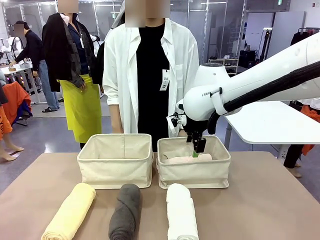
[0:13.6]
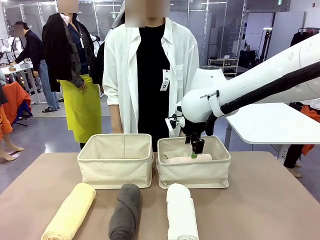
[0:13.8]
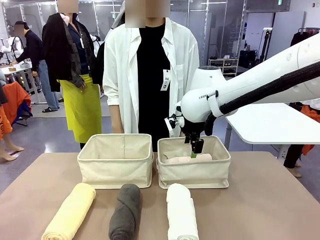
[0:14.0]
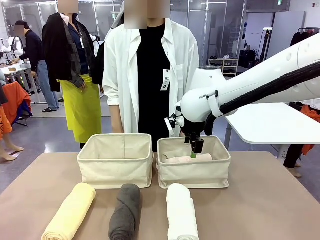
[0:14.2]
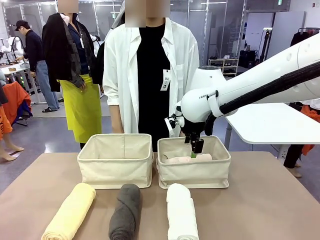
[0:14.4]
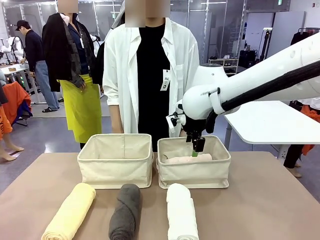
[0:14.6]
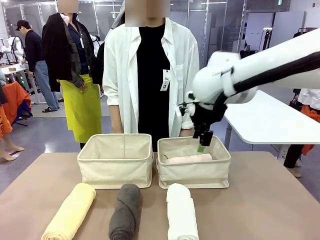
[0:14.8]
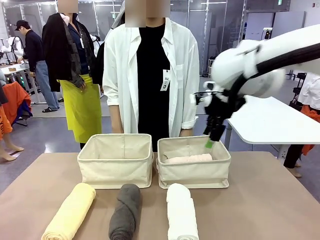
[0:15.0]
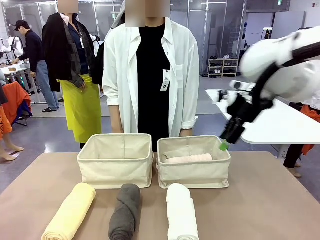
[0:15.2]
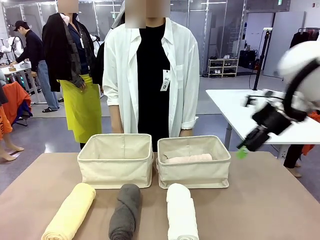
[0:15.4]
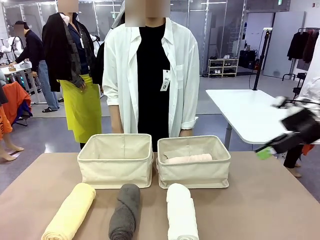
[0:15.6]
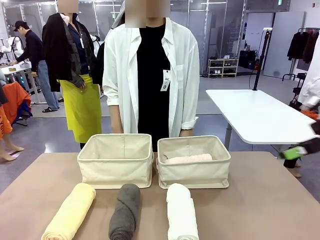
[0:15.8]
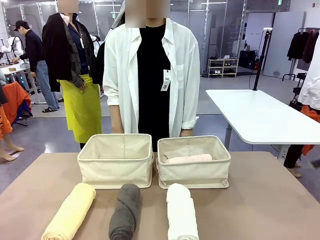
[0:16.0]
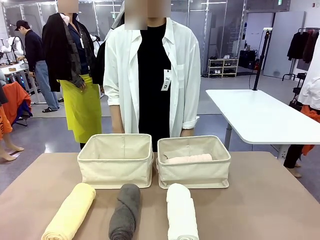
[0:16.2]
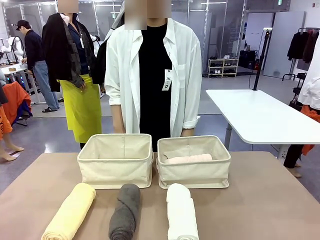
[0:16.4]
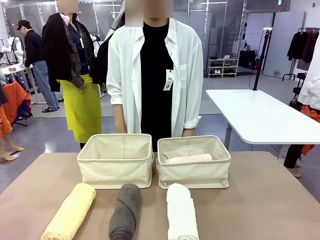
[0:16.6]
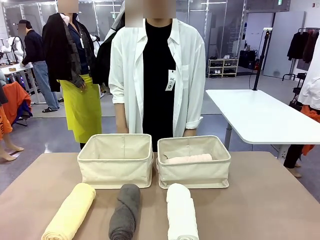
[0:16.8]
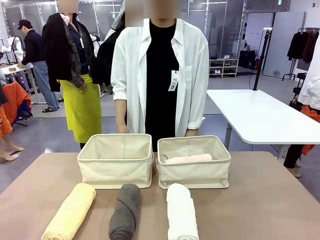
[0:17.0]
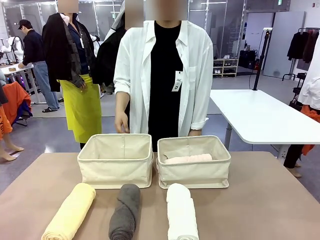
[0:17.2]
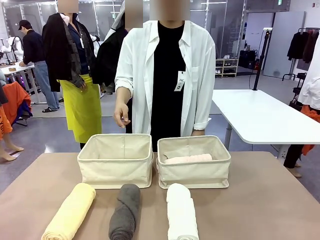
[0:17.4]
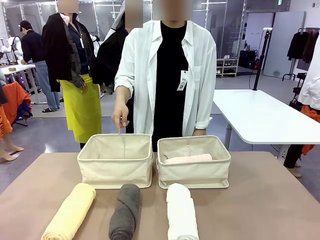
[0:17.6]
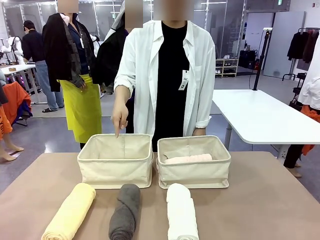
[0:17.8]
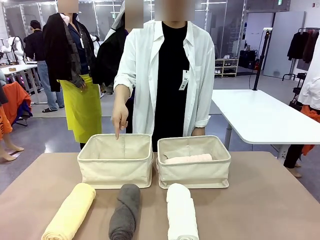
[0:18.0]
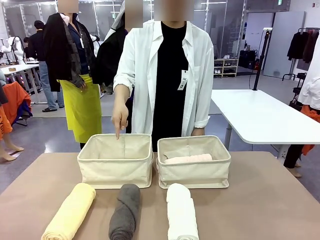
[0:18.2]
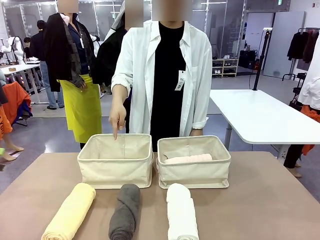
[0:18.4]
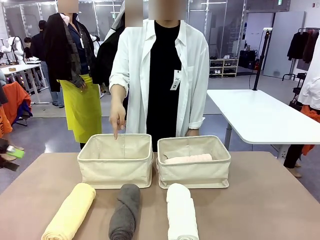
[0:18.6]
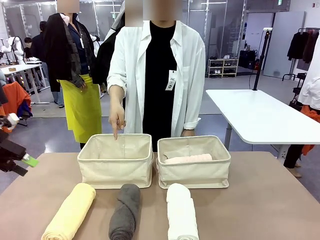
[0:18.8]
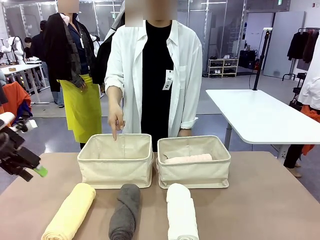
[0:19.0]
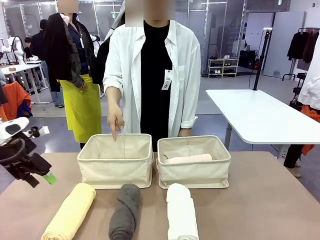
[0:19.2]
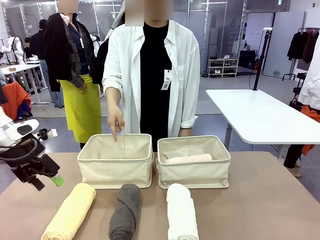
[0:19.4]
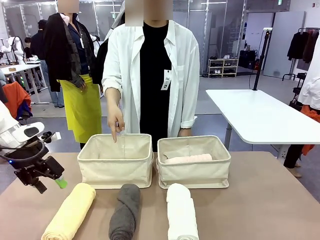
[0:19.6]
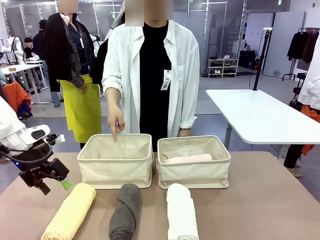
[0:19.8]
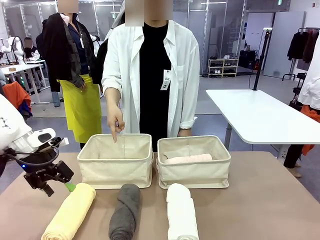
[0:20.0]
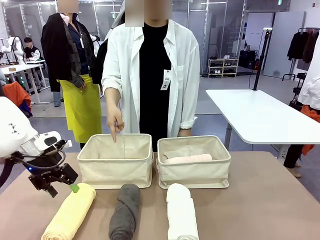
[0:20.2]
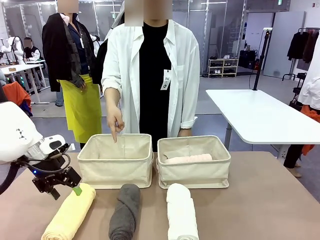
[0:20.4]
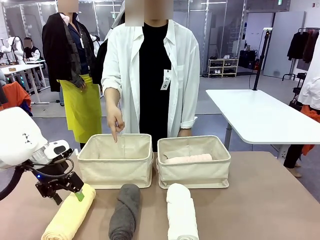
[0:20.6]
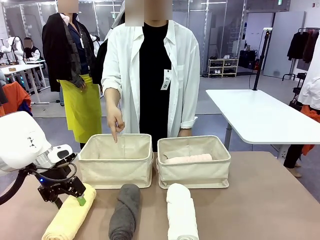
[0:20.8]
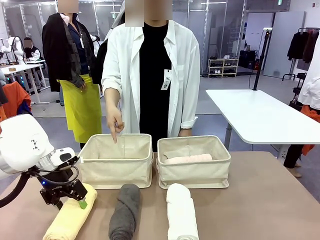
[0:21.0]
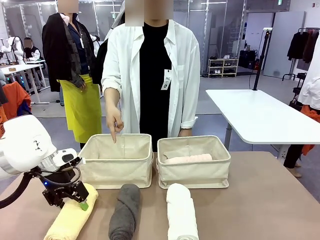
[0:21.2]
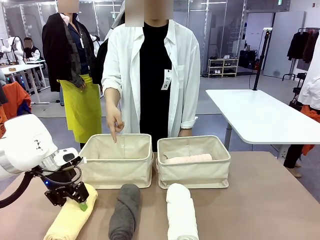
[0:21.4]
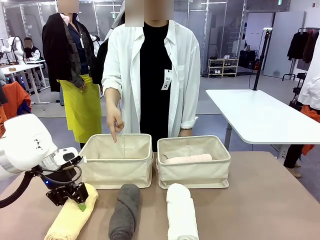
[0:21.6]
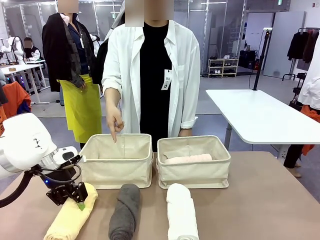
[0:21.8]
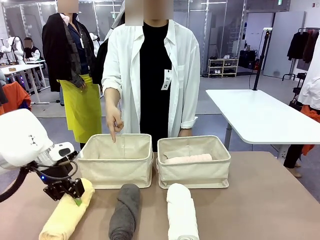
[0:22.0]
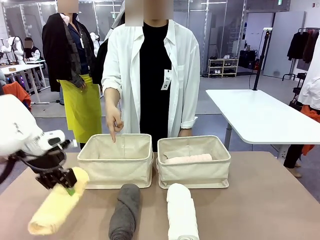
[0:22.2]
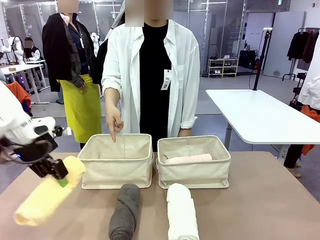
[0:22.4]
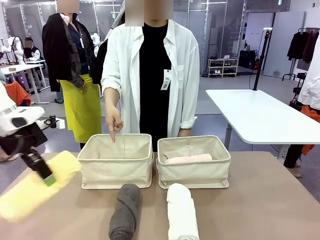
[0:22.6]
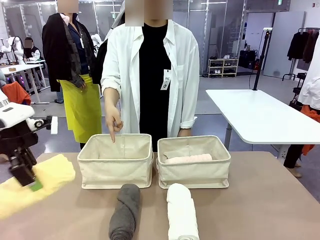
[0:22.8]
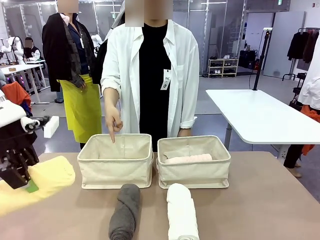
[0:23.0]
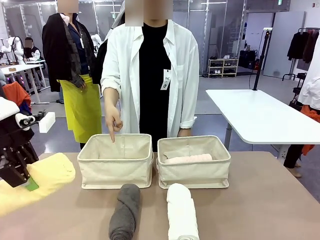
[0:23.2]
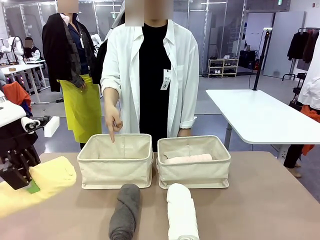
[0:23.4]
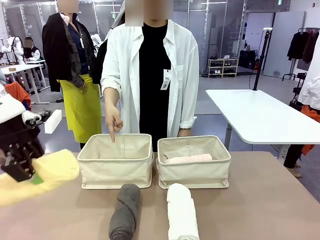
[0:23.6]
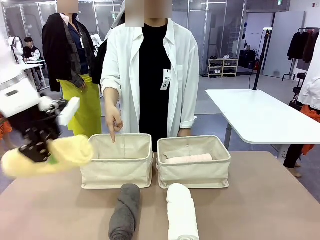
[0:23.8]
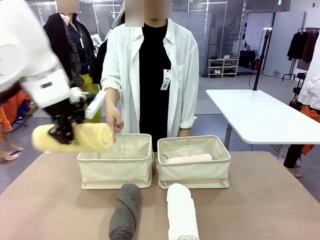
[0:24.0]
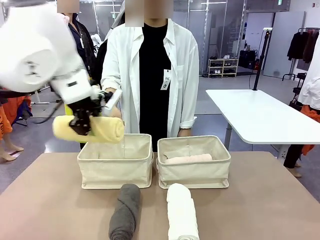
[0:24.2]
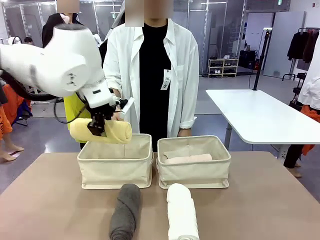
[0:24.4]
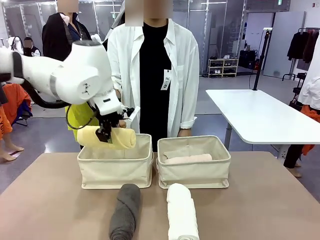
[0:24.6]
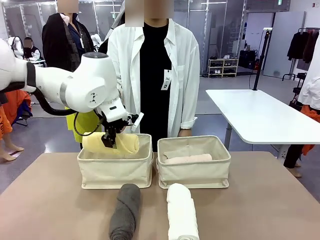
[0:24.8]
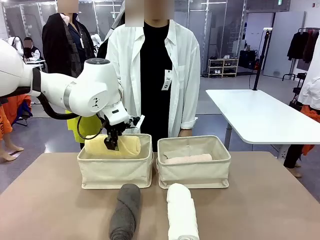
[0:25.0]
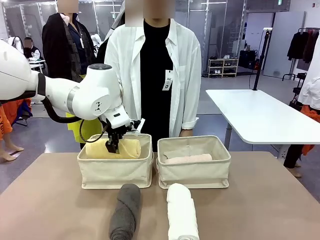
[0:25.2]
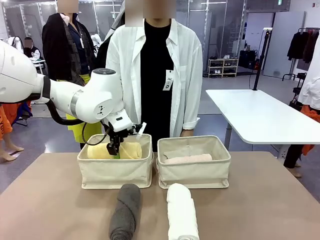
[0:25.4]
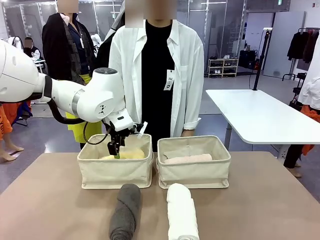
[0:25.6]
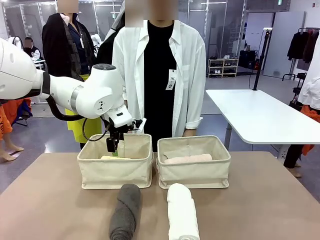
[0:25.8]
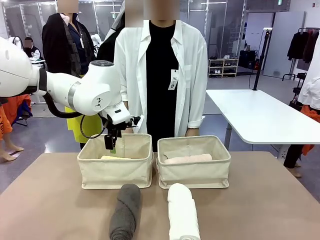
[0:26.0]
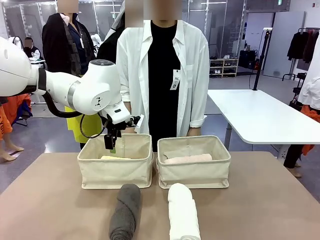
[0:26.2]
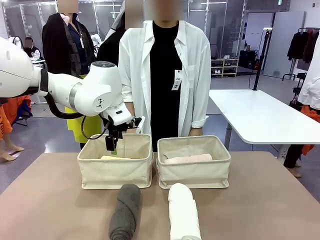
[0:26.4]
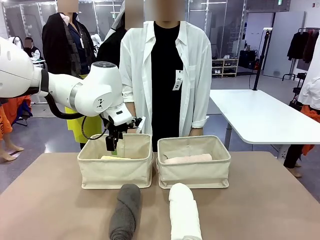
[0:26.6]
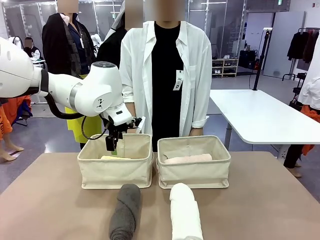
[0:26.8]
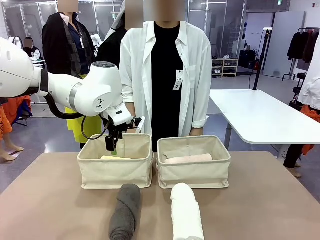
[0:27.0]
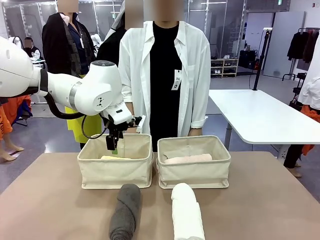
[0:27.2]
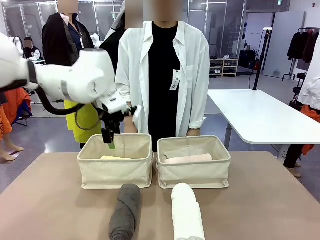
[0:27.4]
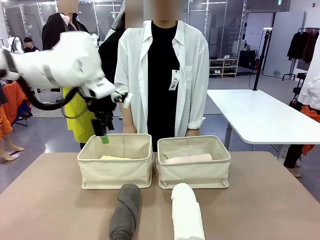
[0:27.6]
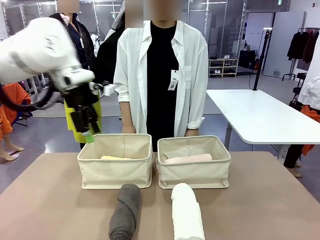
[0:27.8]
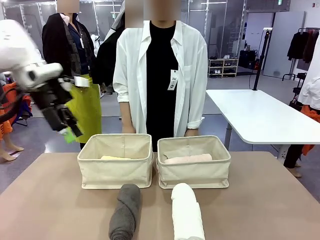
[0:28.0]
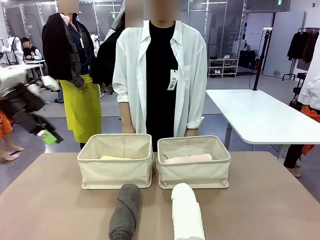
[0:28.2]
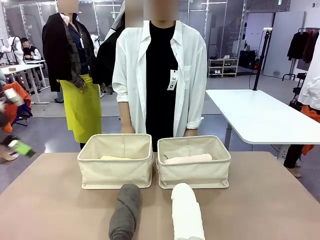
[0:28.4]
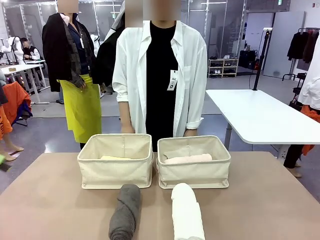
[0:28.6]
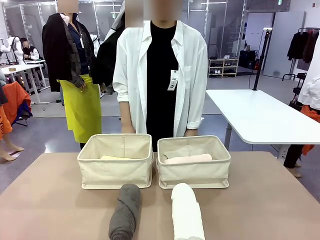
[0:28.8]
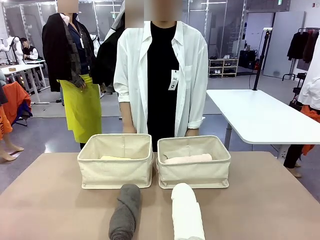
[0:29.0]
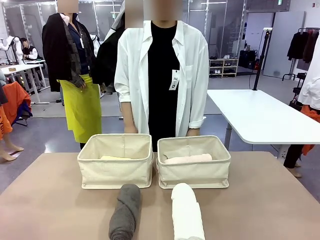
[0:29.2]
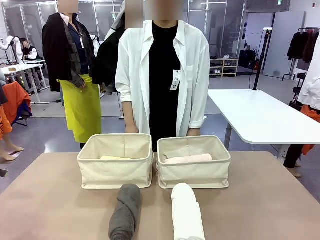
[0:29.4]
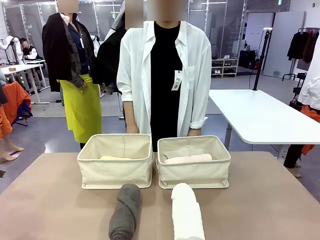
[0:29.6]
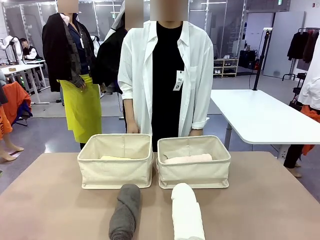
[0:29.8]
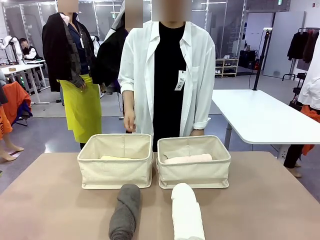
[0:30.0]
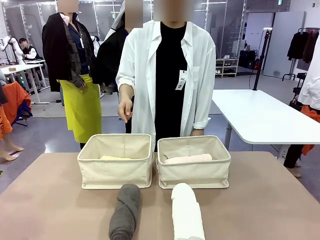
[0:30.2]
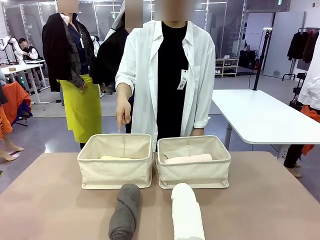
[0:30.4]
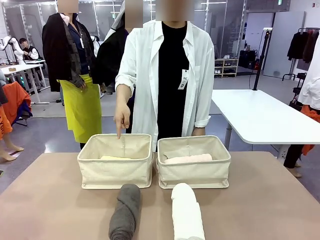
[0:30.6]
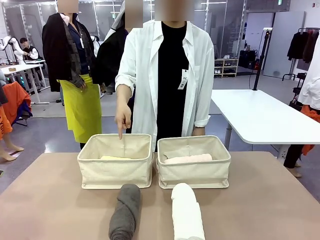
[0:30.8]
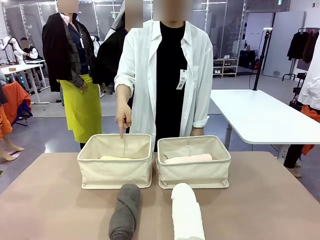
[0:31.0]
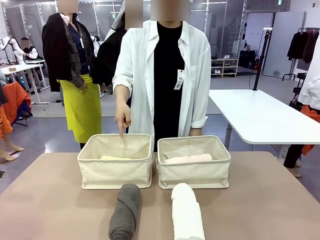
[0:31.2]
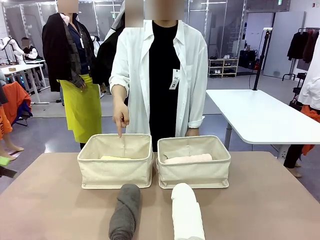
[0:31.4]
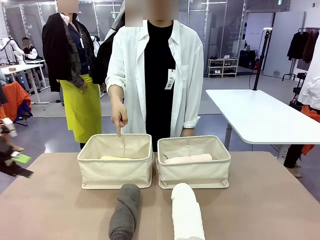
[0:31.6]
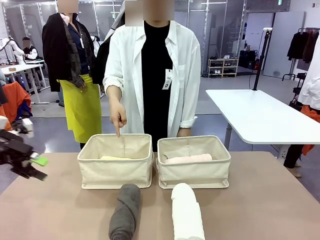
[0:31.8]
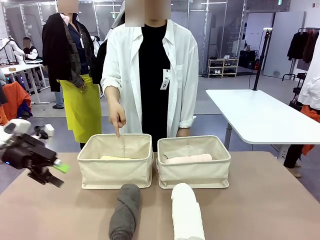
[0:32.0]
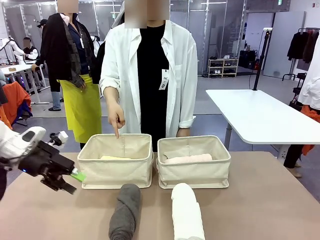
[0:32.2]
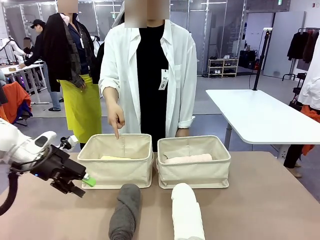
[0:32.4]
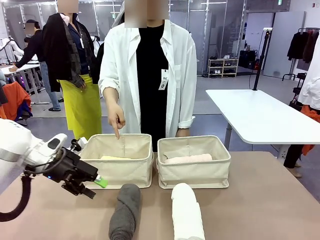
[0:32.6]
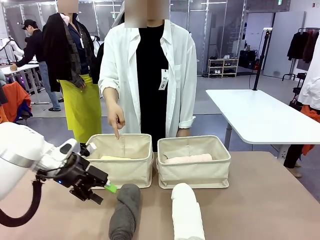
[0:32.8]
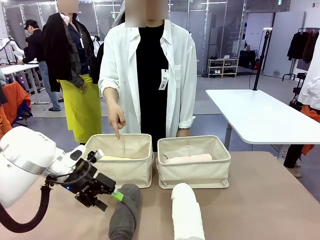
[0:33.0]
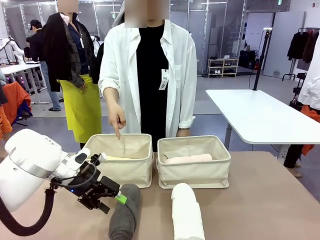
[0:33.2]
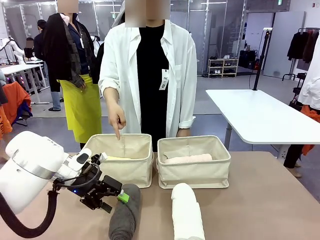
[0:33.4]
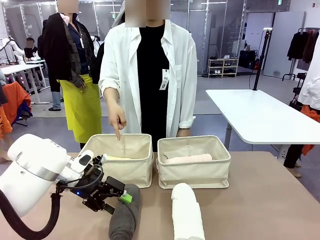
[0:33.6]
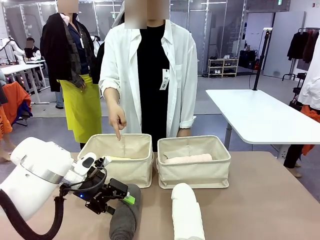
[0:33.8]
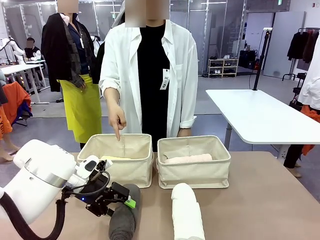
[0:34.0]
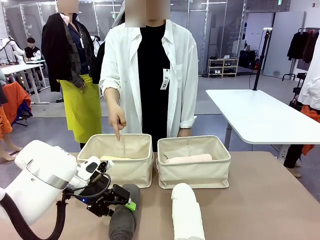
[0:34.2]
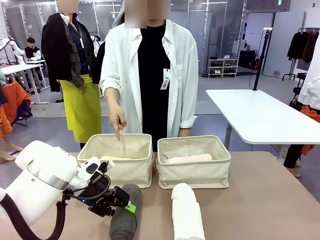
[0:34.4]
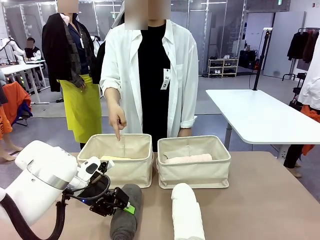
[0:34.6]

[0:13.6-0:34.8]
Task: Divide the towels into two baskets.
Robot: Pick up one hotel-folded towel from the bottom of the table and place it in the Fabric basket indicated by the person.
